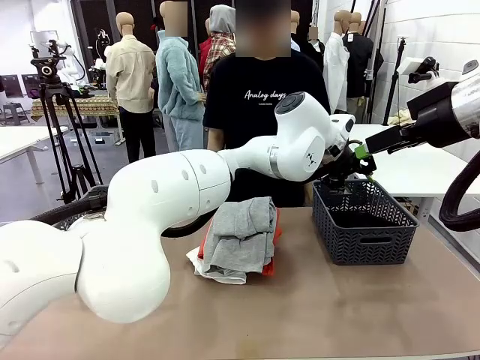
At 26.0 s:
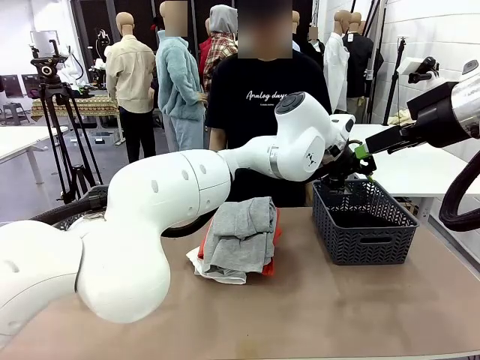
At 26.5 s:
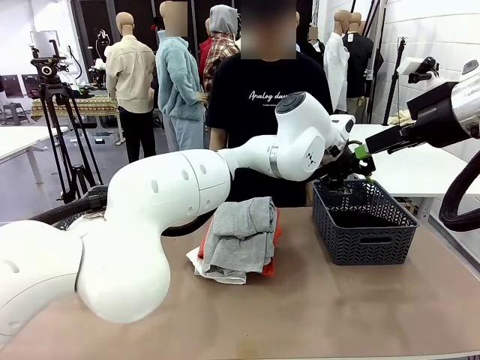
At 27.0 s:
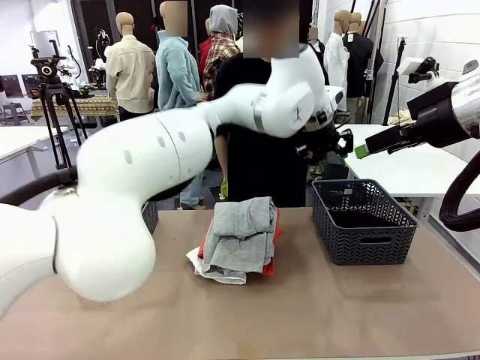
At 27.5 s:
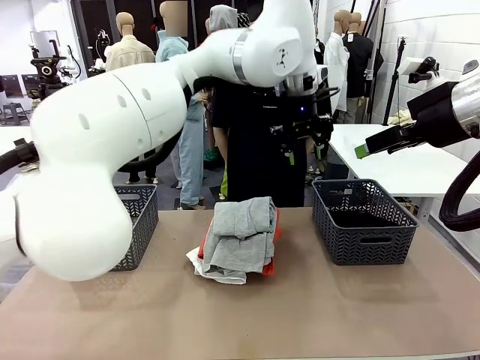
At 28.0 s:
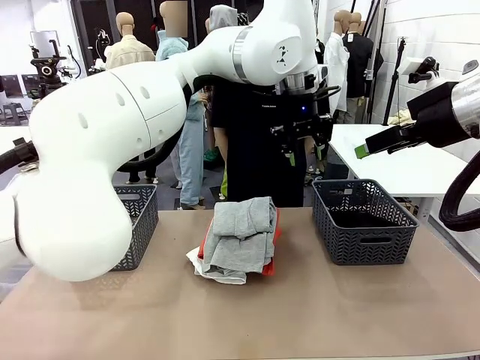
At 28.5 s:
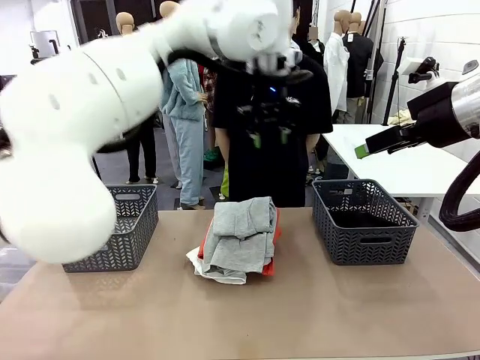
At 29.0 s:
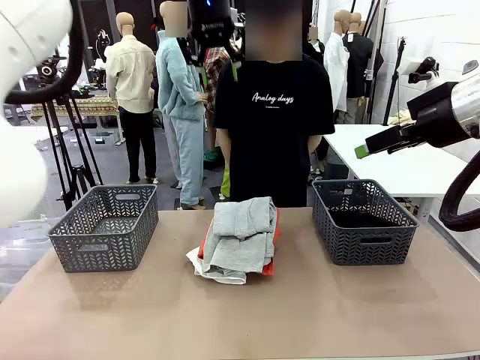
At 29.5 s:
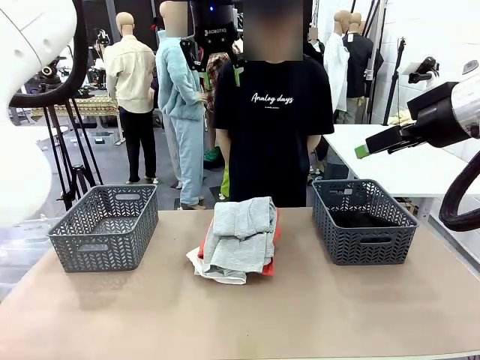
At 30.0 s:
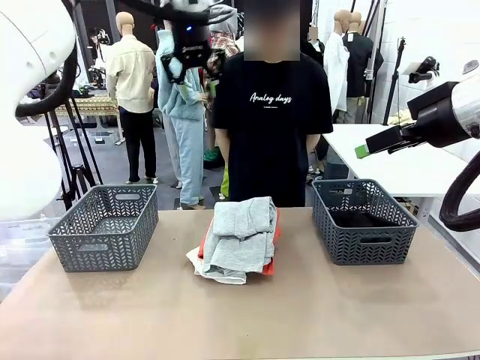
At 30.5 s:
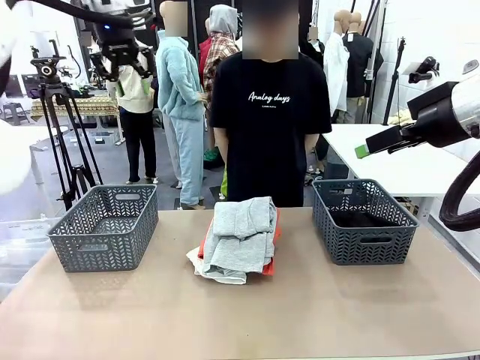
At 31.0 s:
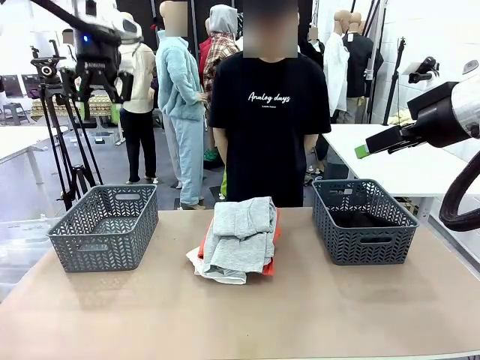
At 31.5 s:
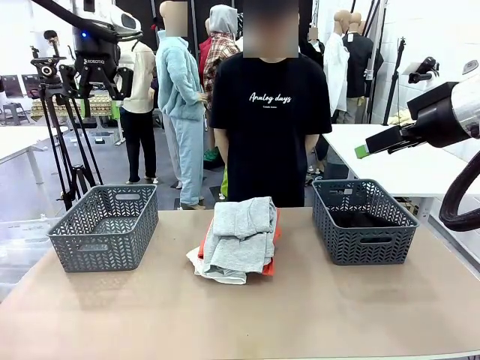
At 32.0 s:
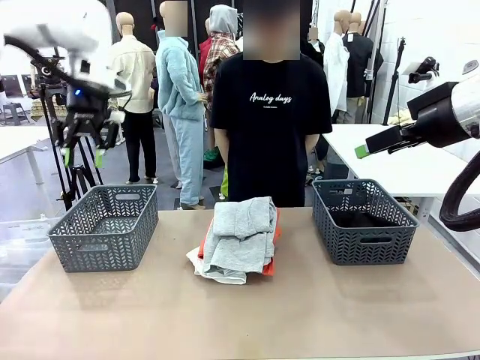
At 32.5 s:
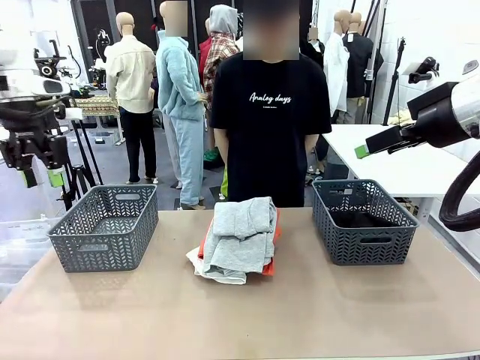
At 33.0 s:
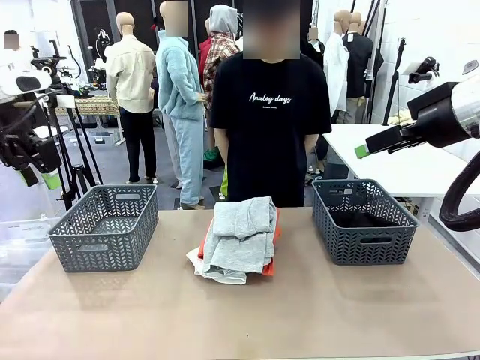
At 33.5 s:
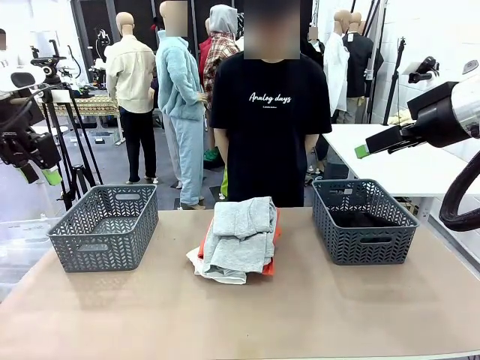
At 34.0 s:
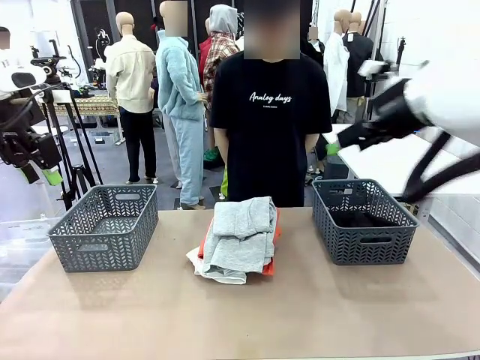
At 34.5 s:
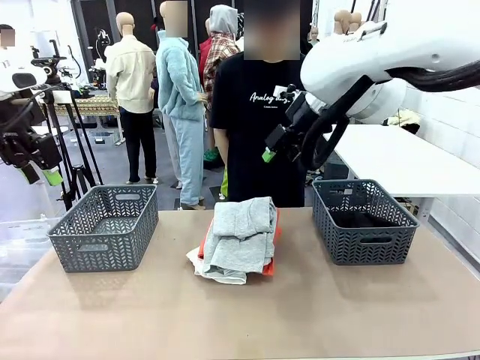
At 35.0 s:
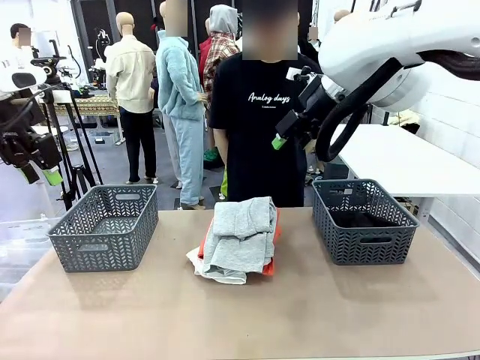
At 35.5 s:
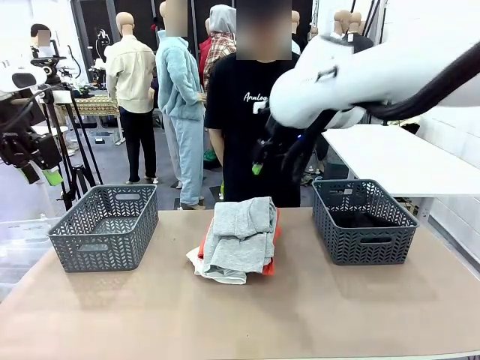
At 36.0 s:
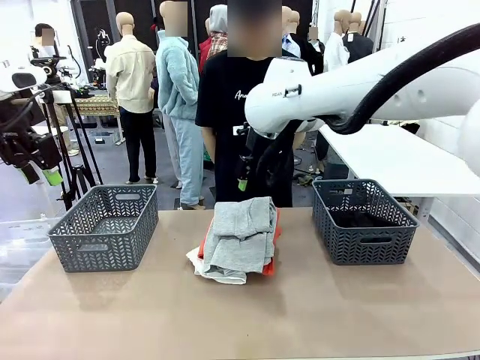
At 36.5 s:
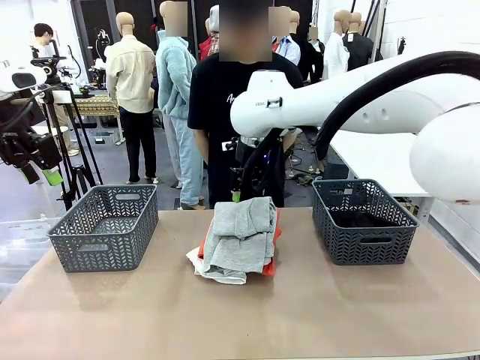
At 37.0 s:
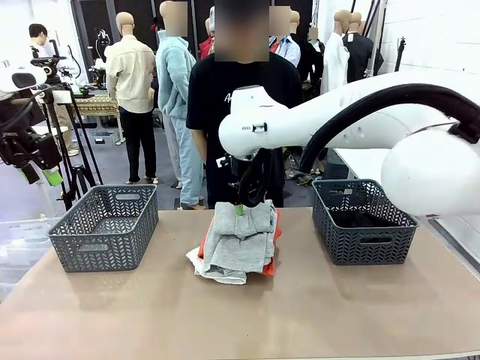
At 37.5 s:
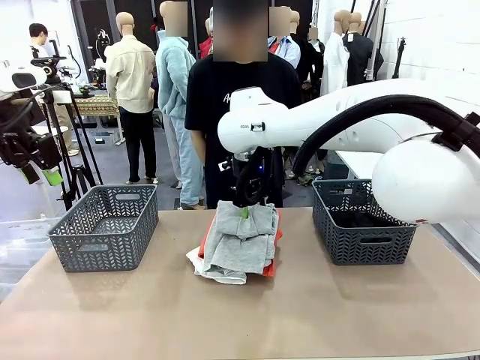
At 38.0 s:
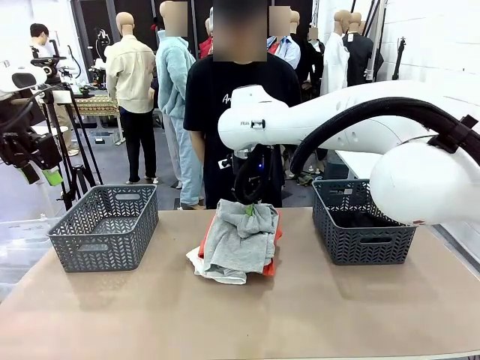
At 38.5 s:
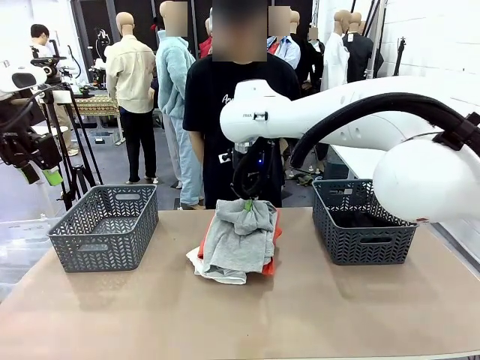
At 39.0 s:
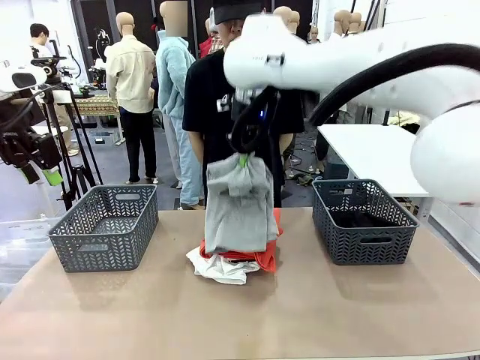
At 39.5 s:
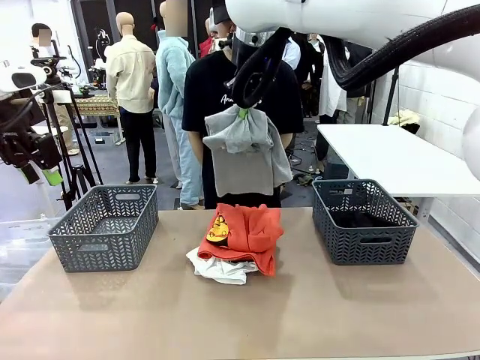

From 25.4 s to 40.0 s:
Task: Sort the tops and bottoms.
Robot: Lift clothes from the center of the table with your right hand.

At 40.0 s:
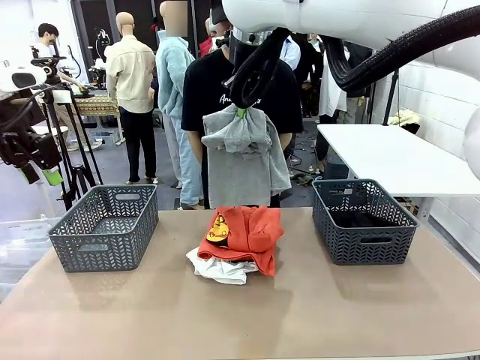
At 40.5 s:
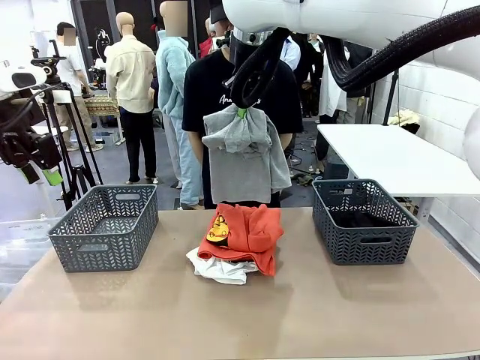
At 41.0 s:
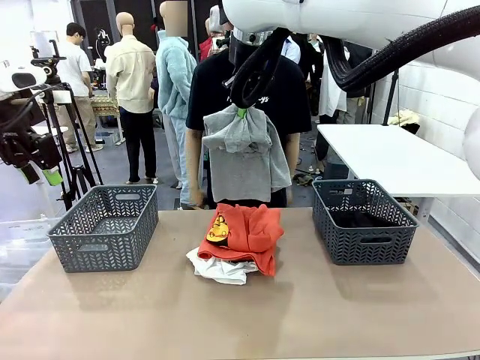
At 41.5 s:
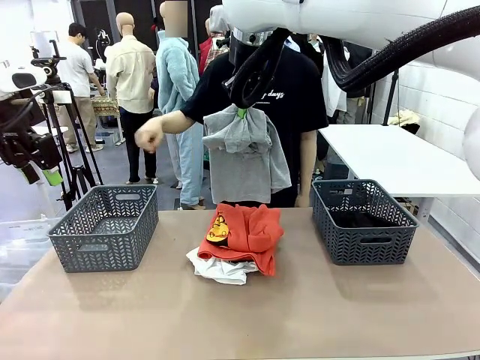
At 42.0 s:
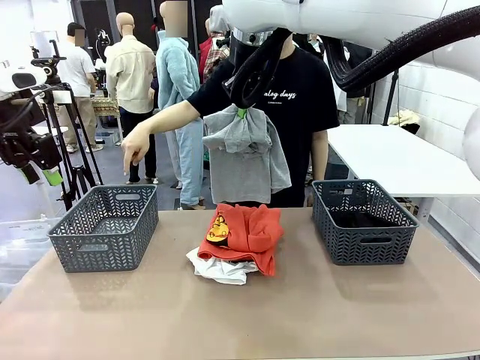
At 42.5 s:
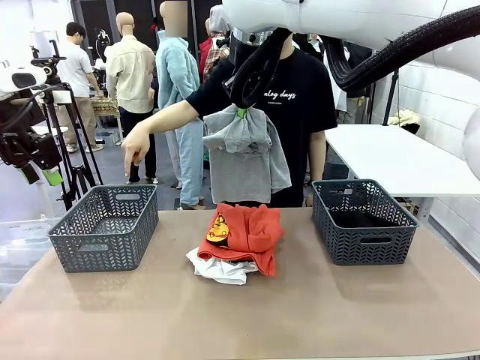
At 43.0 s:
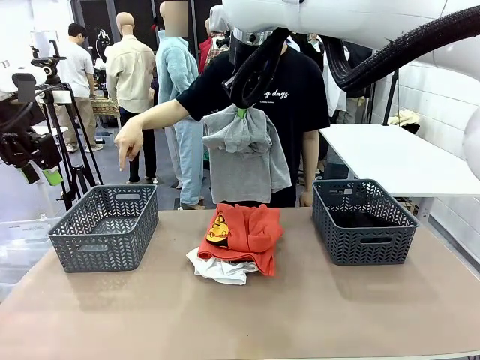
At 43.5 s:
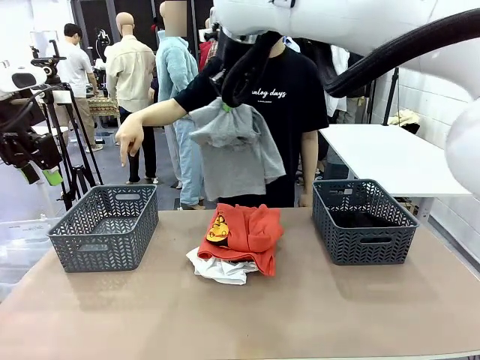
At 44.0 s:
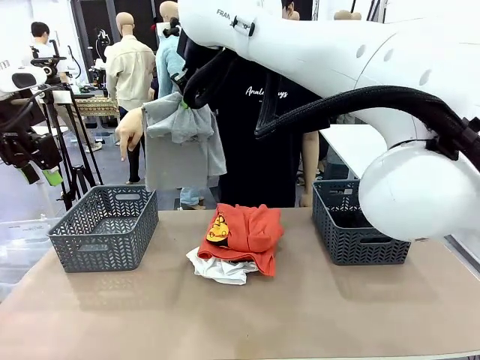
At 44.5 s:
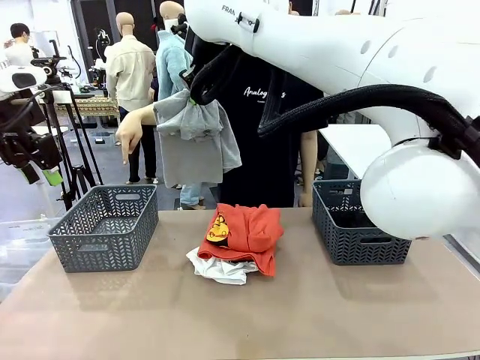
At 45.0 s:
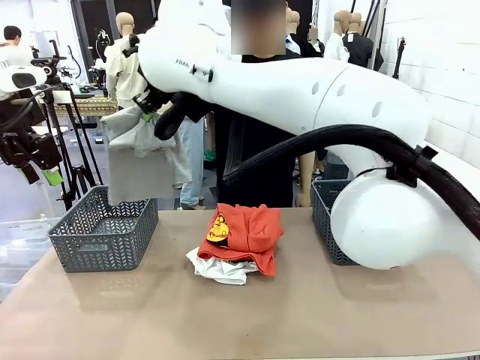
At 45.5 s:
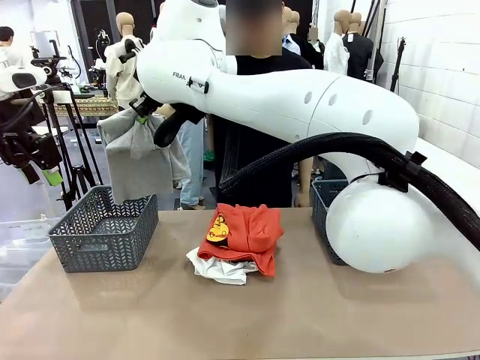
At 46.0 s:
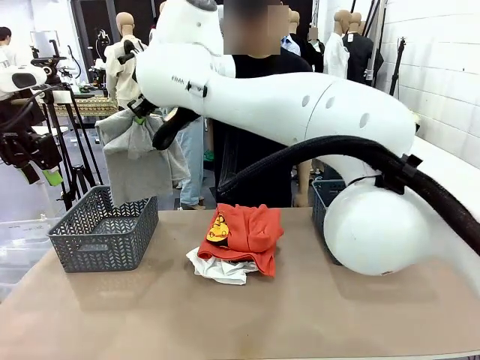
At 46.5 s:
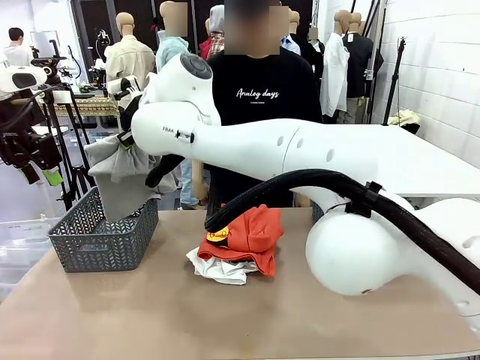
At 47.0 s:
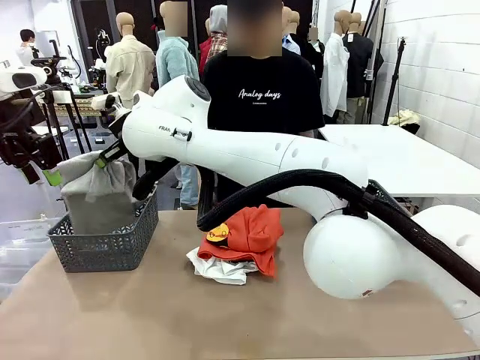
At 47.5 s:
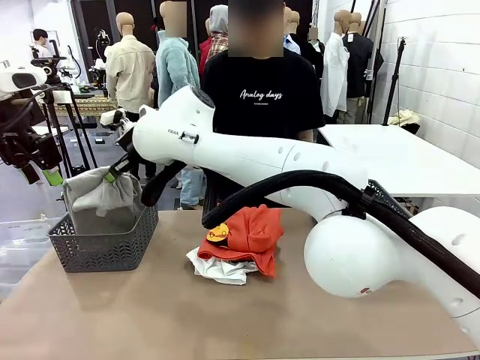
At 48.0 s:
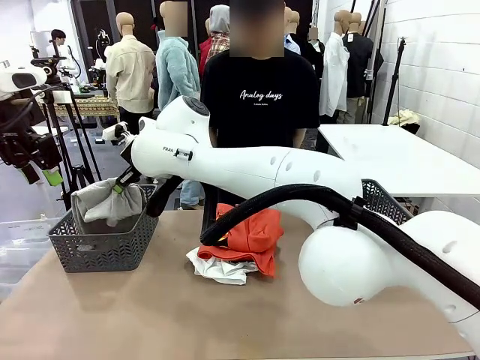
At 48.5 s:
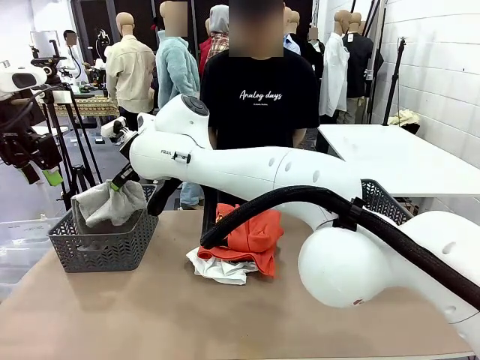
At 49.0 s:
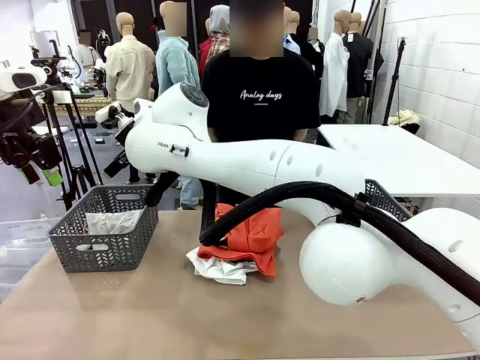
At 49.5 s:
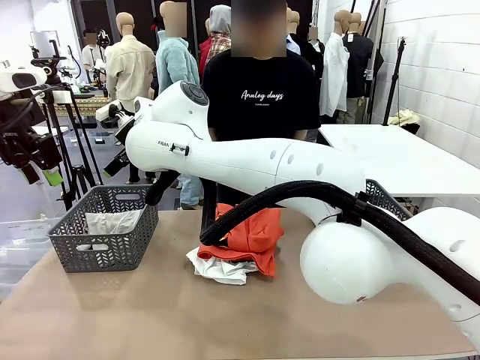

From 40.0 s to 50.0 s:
Robot: Sort the clothes according to human instructions.
